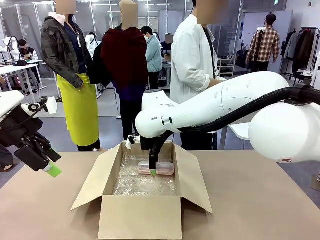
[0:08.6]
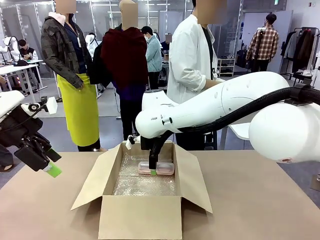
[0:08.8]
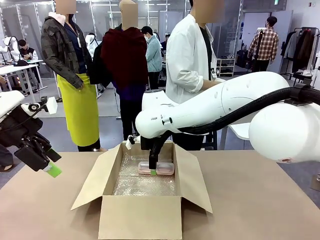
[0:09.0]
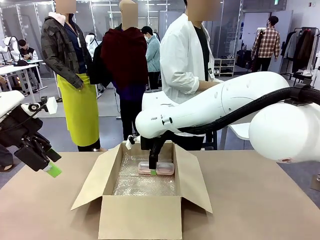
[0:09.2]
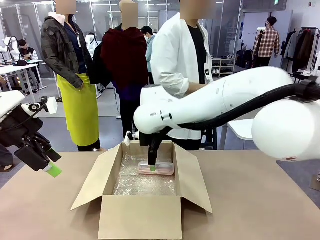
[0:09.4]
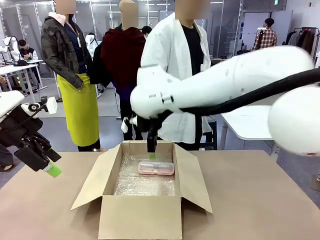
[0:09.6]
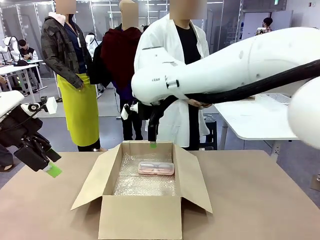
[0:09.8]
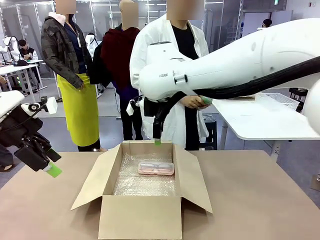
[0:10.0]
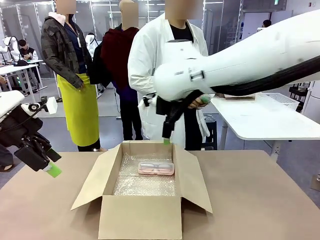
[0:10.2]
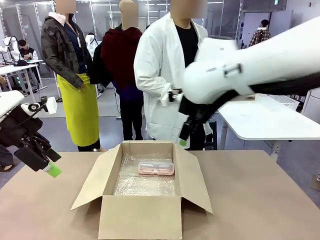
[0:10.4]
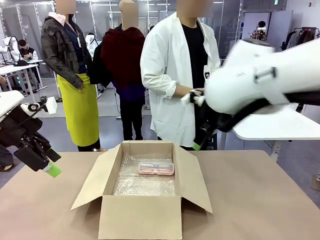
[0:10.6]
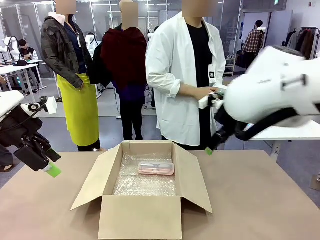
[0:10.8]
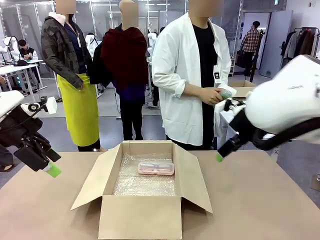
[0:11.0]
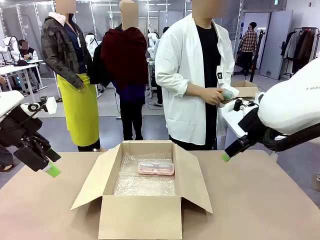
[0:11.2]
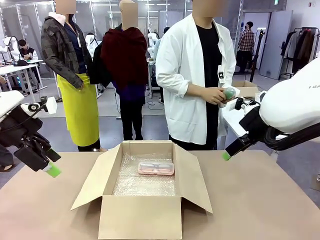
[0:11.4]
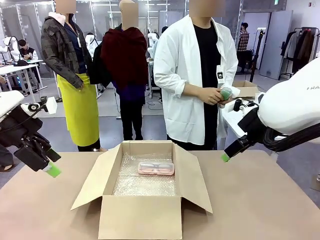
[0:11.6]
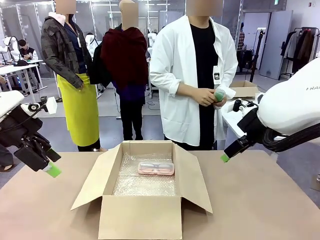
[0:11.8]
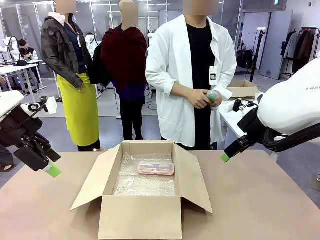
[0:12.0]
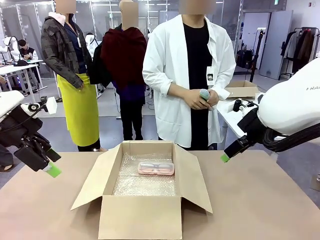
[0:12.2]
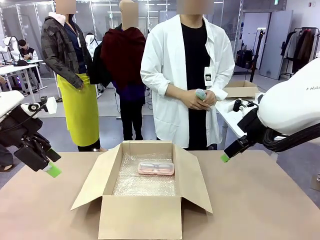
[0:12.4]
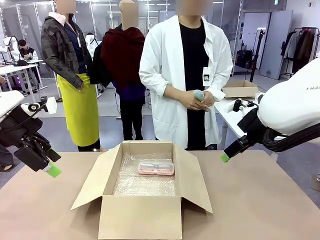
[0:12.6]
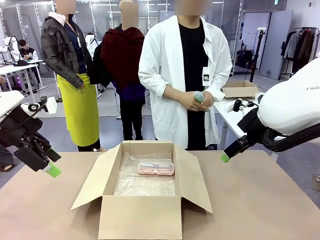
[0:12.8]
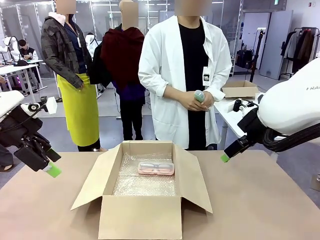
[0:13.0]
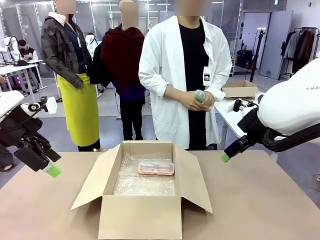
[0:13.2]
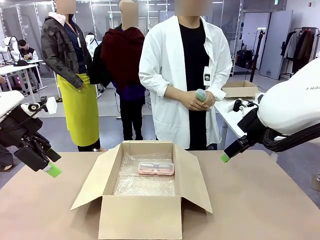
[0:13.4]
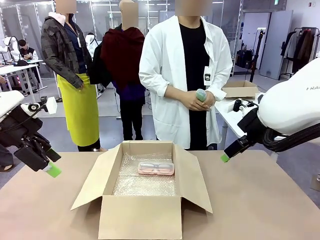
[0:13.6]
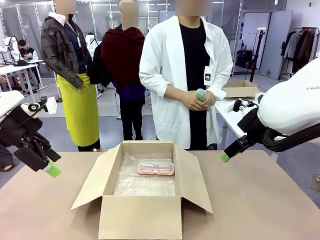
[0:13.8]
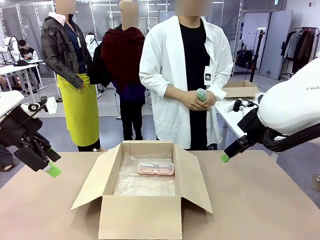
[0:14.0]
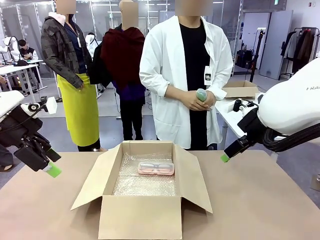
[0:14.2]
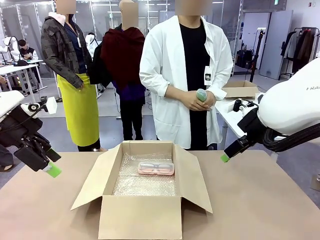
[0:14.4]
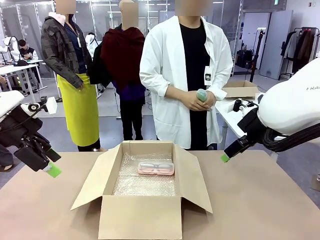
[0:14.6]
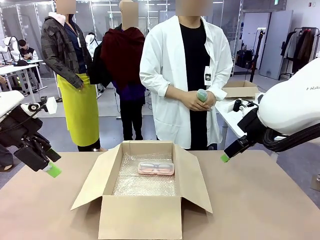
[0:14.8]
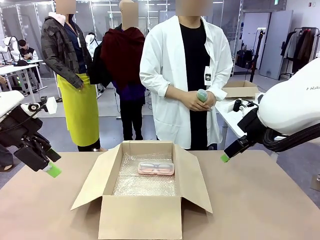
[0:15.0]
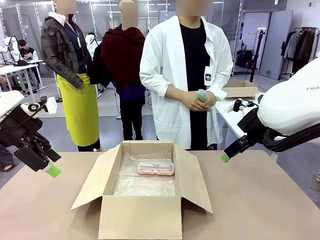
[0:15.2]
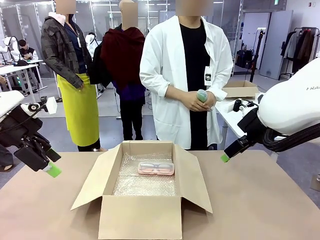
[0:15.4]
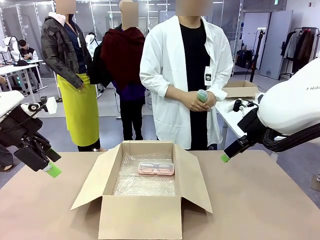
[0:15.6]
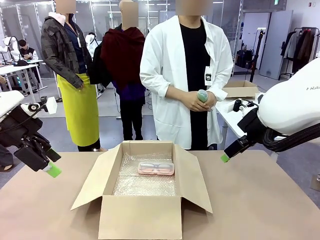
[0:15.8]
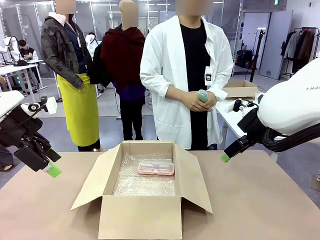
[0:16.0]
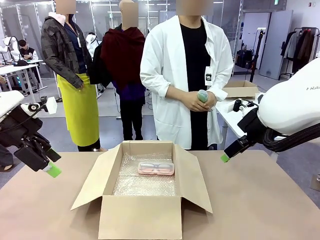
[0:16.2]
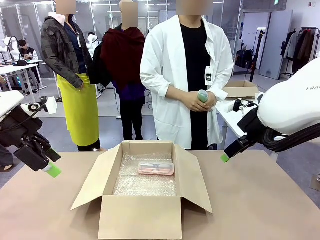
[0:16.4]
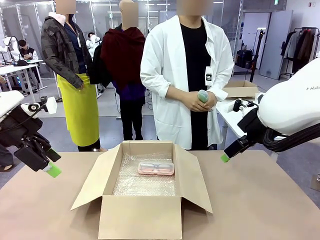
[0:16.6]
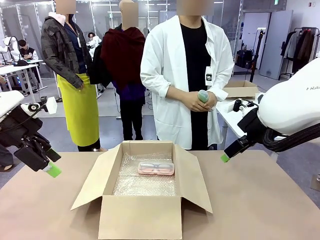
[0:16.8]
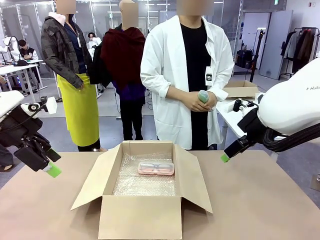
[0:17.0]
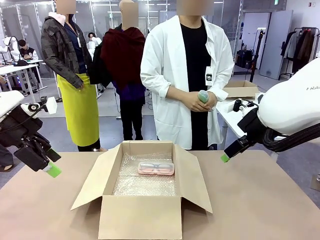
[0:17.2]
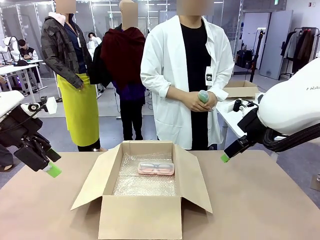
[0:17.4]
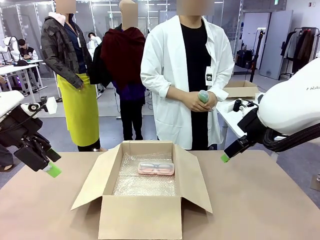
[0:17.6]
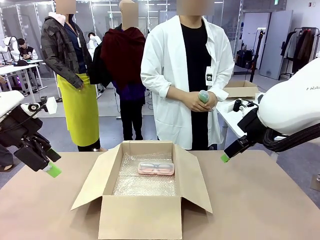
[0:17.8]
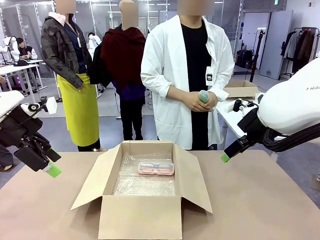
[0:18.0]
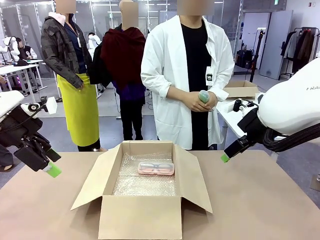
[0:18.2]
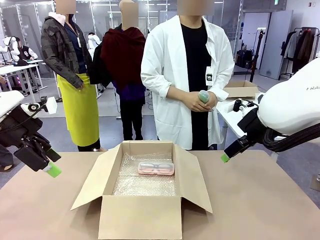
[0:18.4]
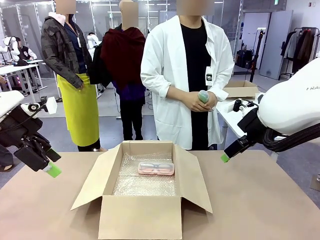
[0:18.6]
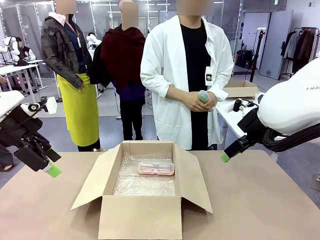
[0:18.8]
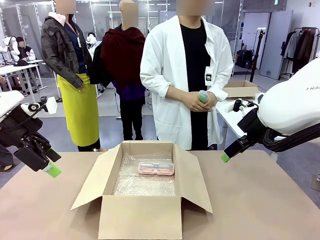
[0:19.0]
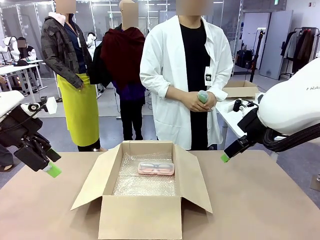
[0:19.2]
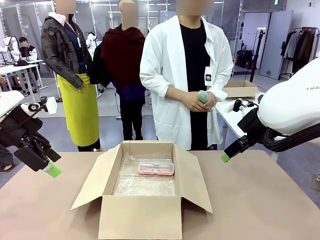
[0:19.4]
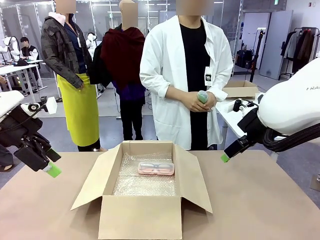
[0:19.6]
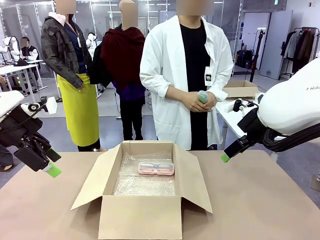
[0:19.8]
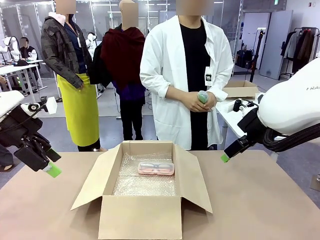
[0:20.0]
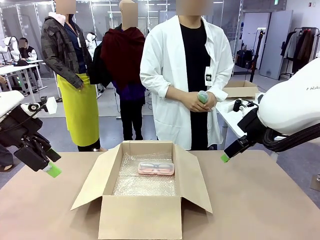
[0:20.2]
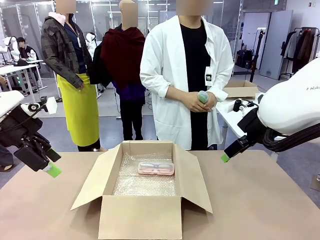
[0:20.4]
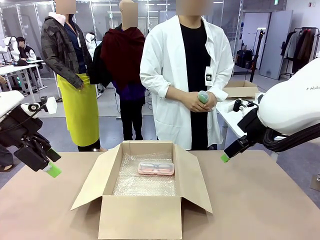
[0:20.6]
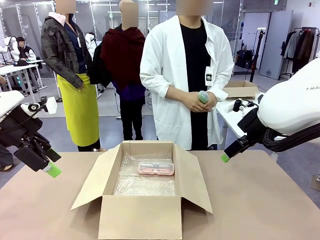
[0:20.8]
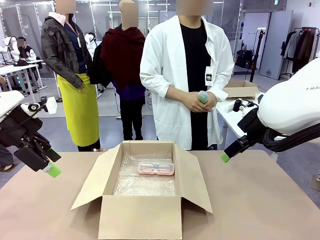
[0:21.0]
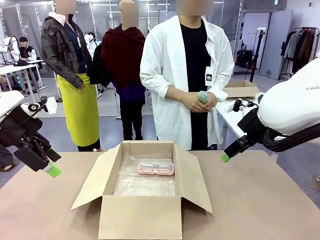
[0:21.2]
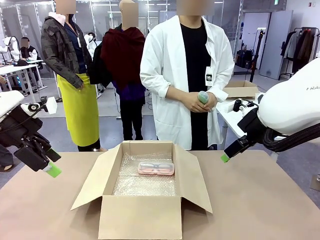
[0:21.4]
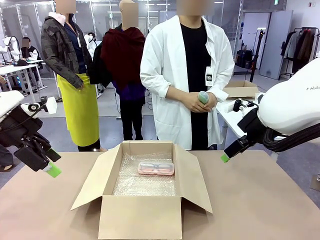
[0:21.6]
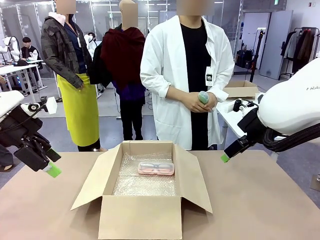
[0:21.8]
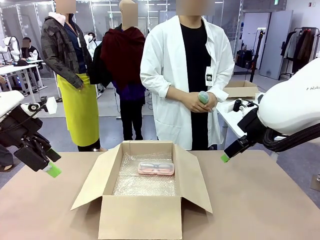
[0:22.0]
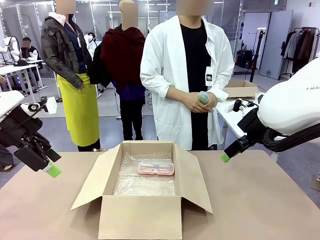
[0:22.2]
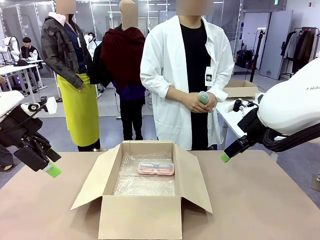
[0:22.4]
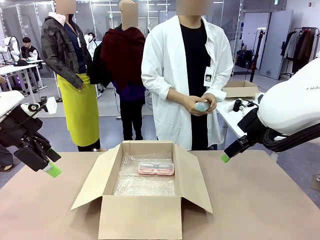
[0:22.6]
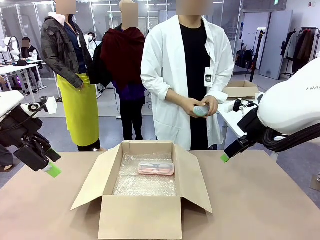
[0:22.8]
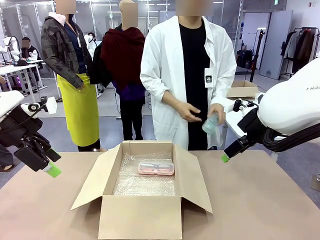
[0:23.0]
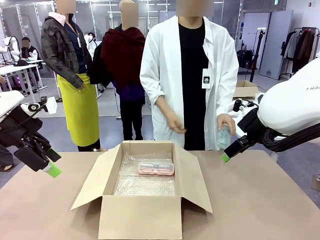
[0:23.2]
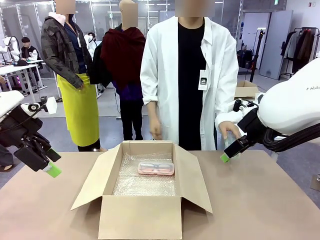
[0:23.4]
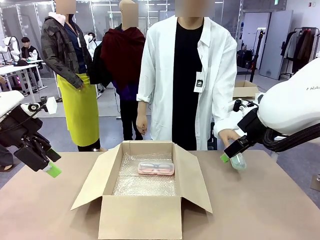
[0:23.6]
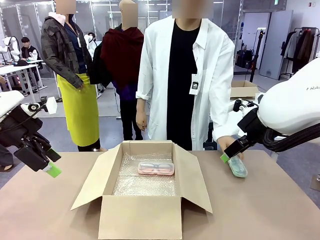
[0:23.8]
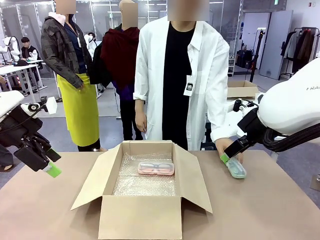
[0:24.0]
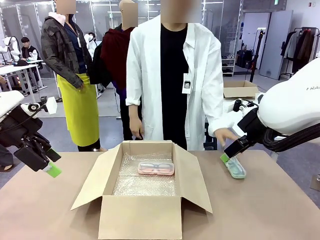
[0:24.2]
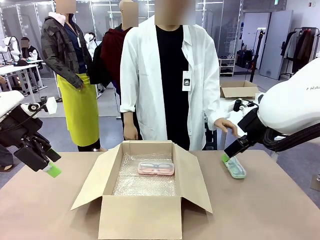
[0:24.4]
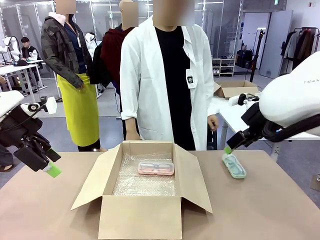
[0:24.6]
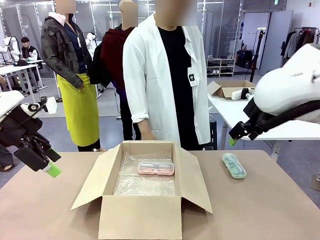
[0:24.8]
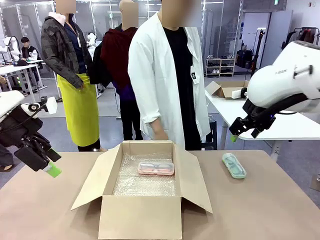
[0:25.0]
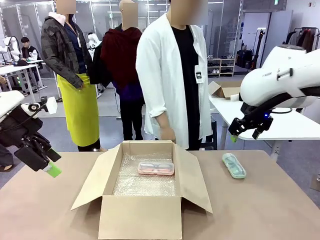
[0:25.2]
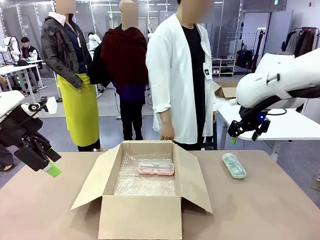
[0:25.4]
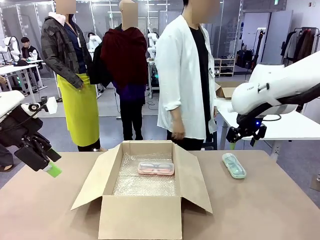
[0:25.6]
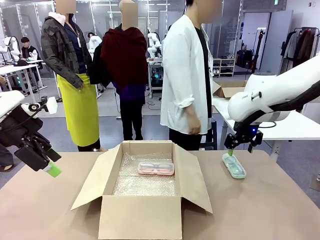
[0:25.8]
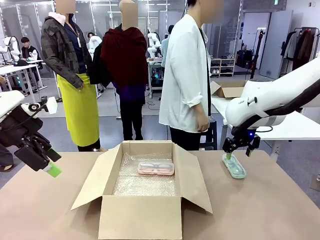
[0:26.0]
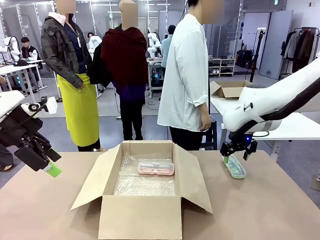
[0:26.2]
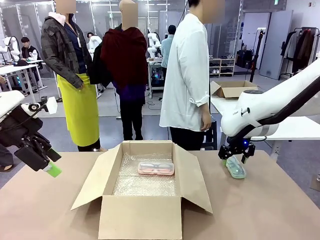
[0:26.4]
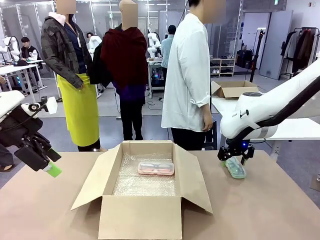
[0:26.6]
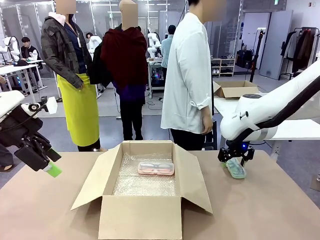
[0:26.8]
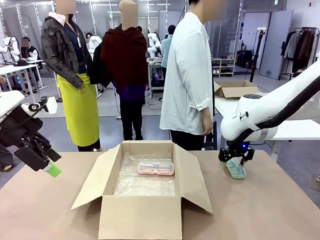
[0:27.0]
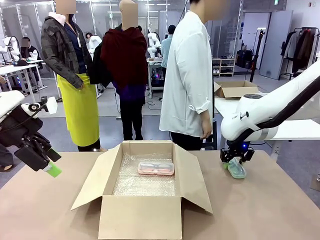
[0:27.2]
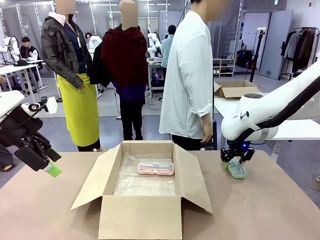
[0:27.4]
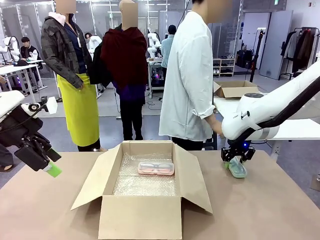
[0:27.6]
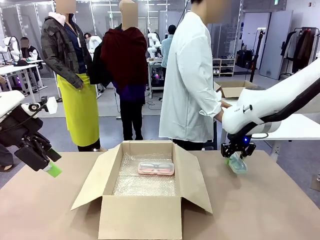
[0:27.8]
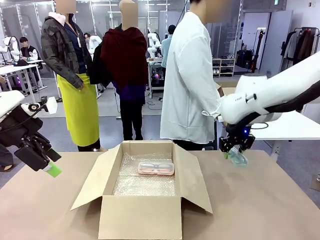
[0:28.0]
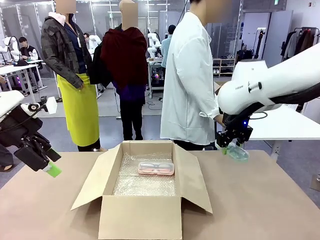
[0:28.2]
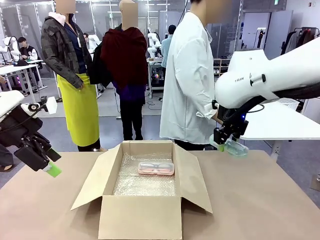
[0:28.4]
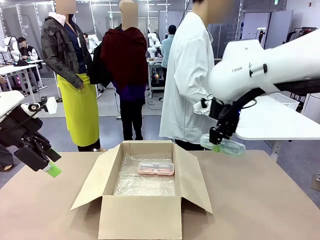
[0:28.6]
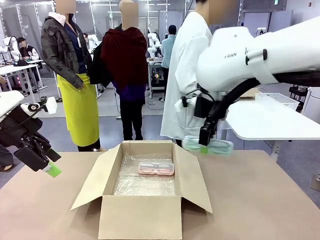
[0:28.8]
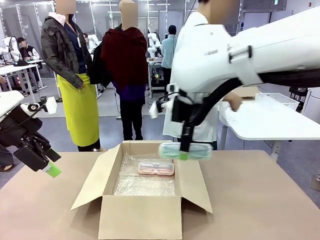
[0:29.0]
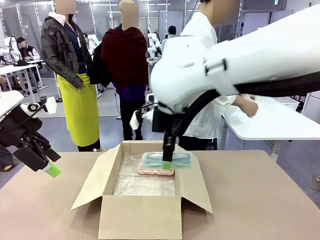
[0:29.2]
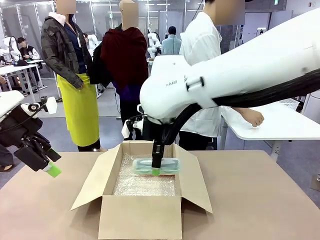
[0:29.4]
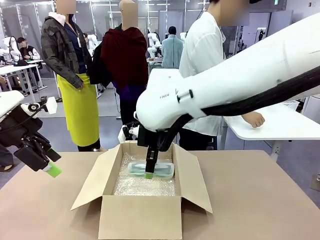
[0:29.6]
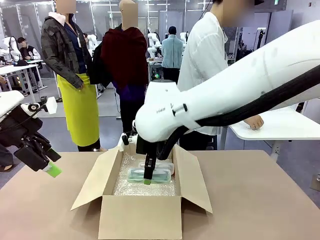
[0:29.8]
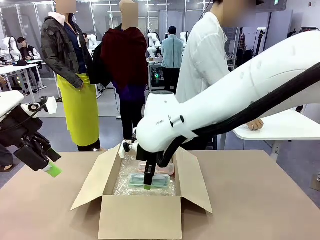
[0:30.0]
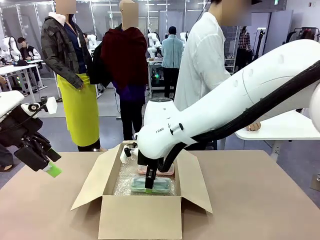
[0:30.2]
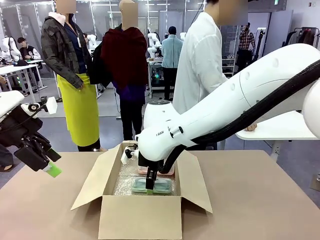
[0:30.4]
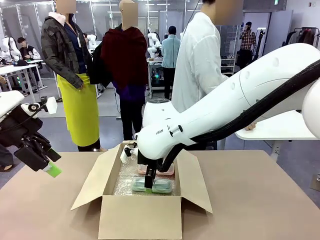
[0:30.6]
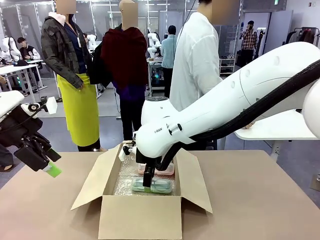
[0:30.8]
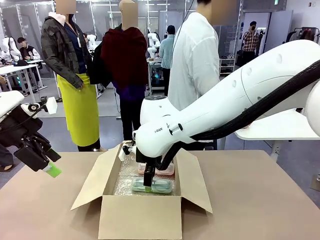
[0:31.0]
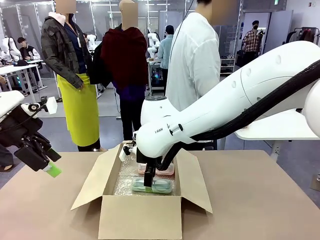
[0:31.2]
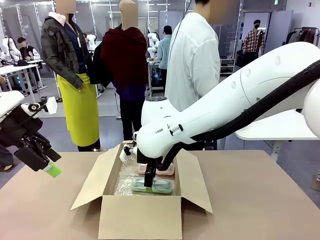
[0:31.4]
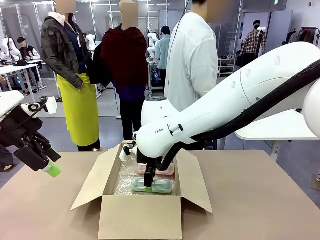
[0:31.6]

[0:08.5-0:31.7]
Task: Pack the glasses set securely to prepare it for shipping.
Robot: Put the Glasses case from the right side of the table into the Package Box.
Person: Position the Glasses case on the left side of the robot's table.
